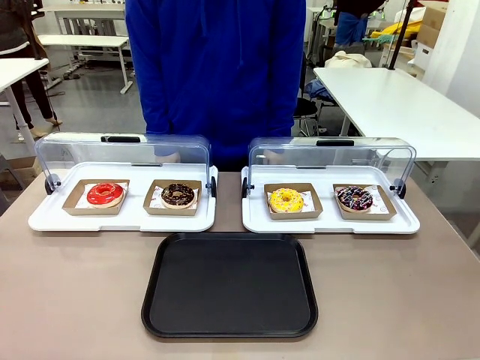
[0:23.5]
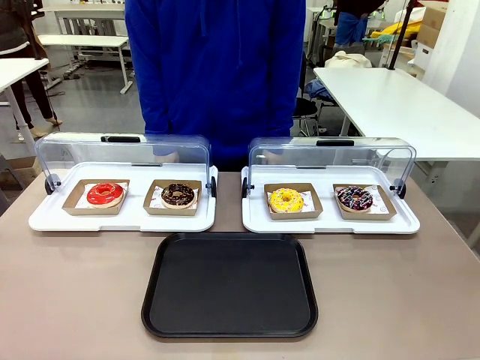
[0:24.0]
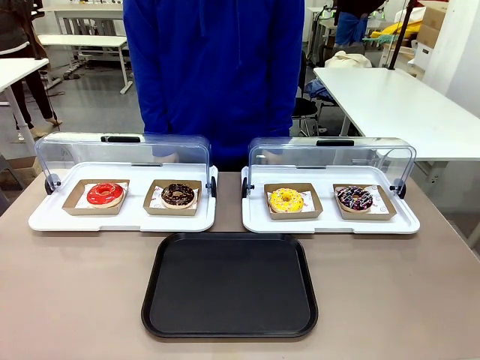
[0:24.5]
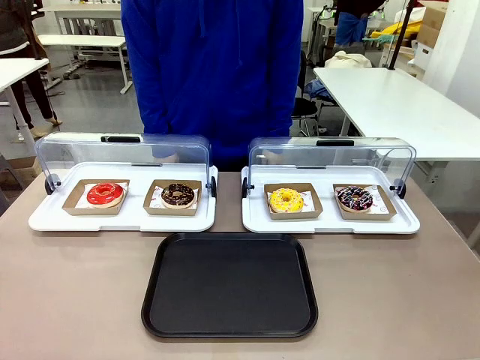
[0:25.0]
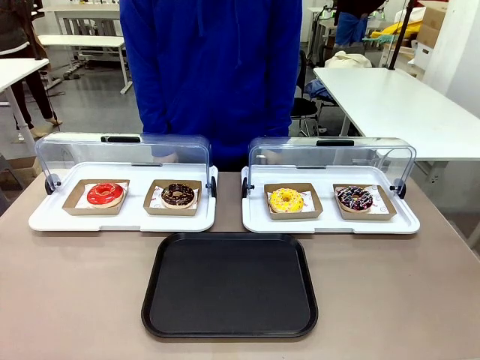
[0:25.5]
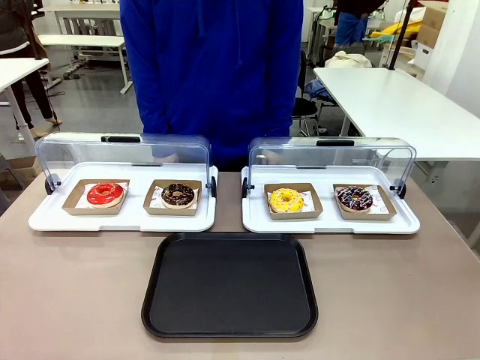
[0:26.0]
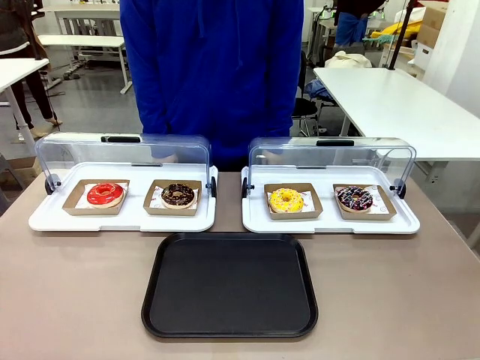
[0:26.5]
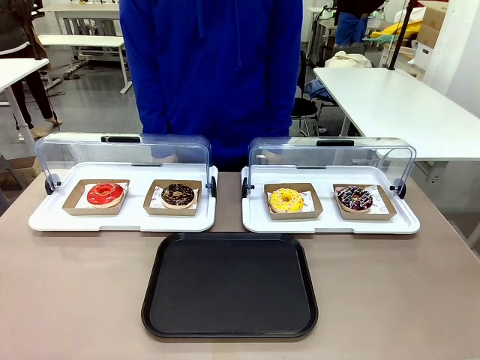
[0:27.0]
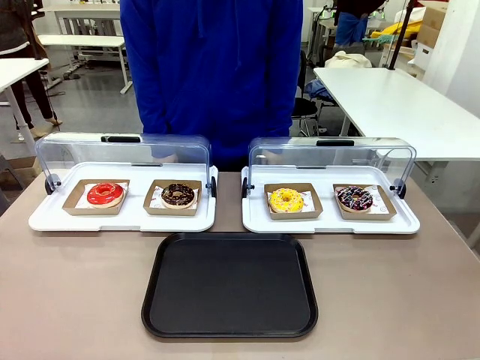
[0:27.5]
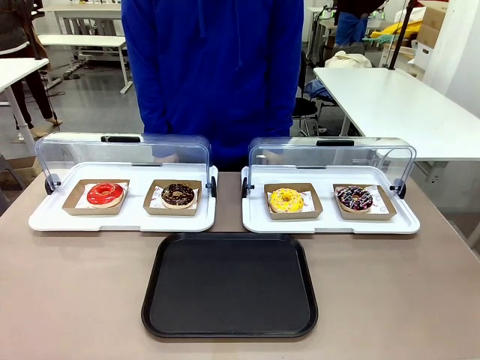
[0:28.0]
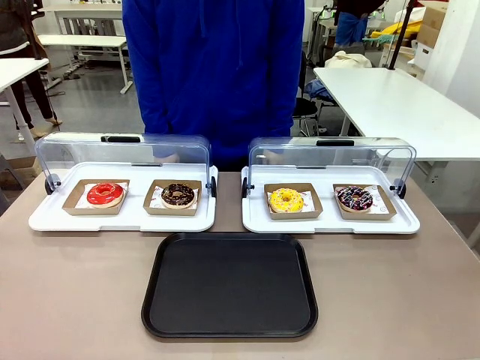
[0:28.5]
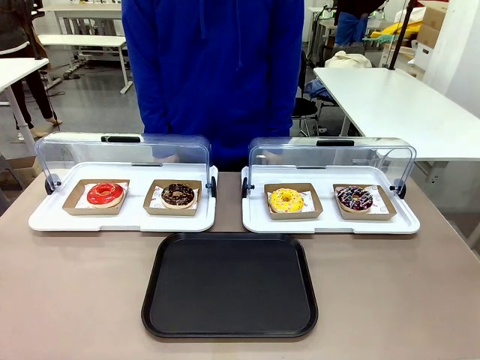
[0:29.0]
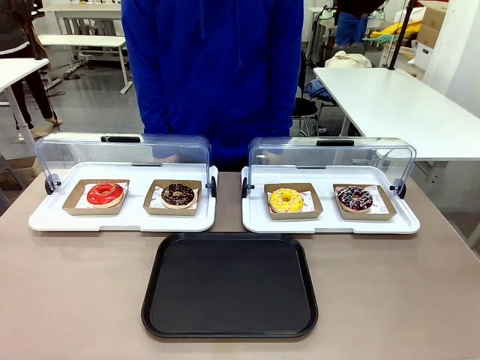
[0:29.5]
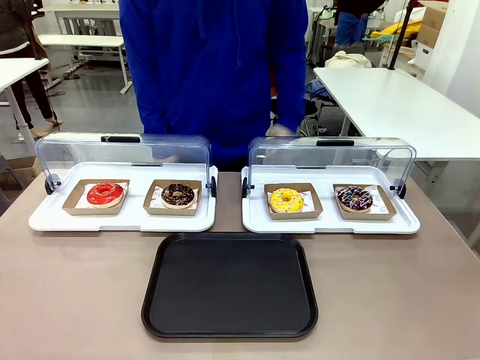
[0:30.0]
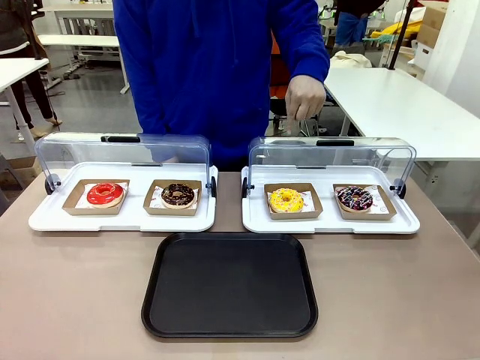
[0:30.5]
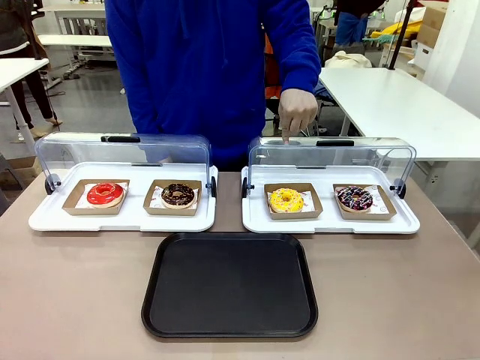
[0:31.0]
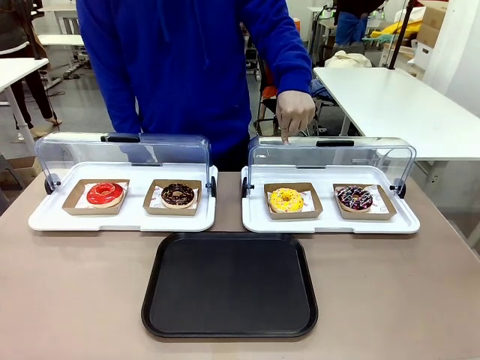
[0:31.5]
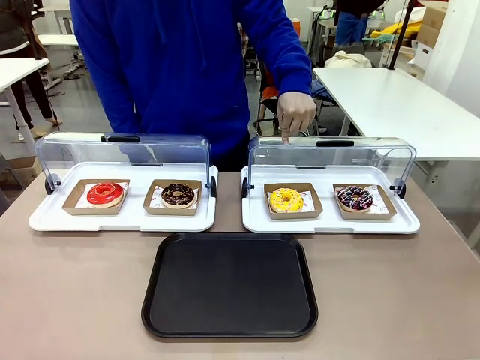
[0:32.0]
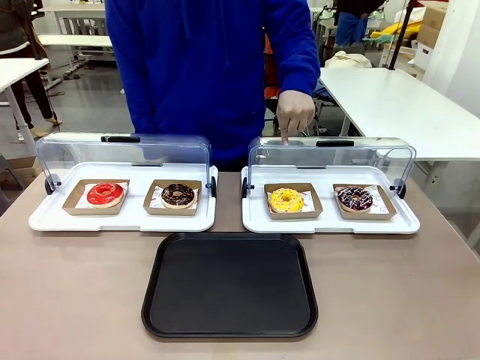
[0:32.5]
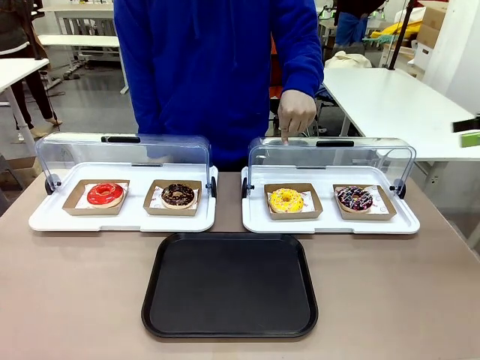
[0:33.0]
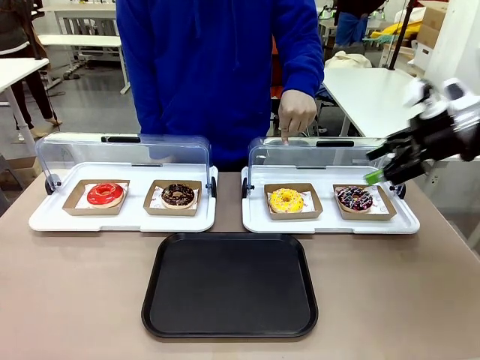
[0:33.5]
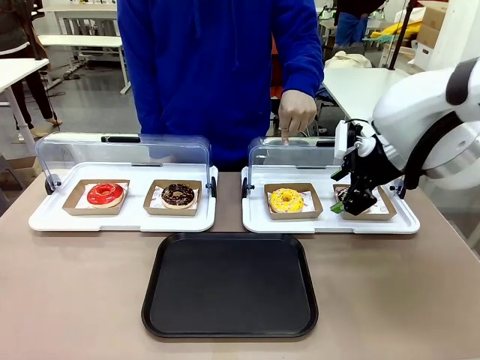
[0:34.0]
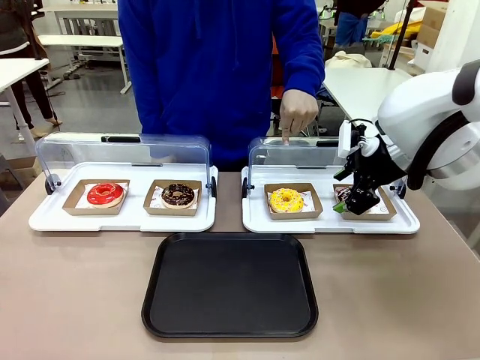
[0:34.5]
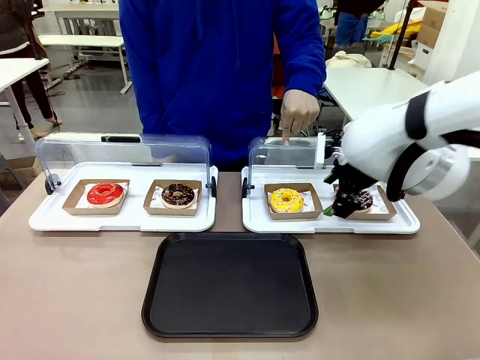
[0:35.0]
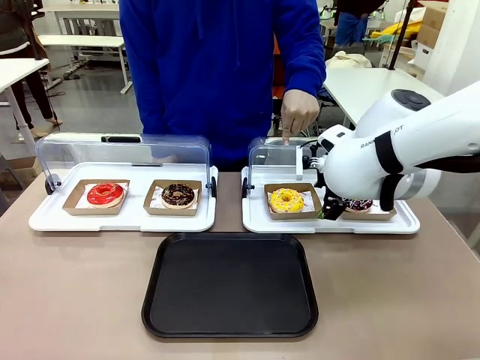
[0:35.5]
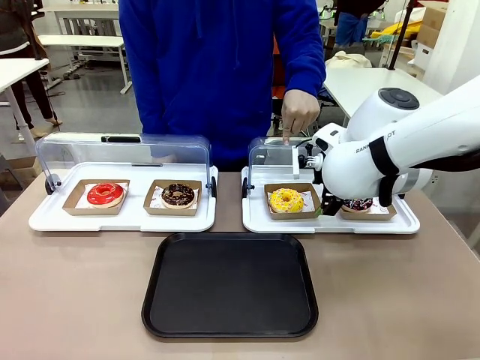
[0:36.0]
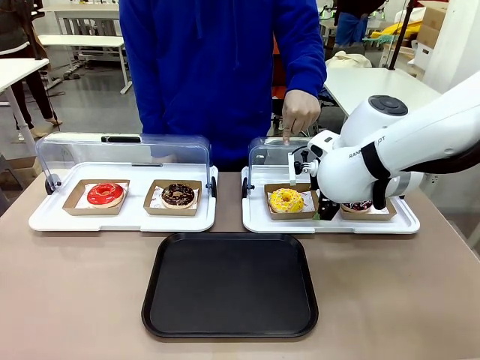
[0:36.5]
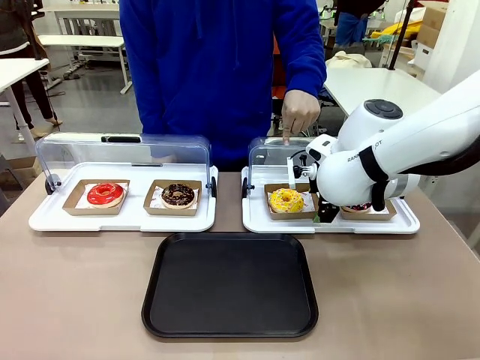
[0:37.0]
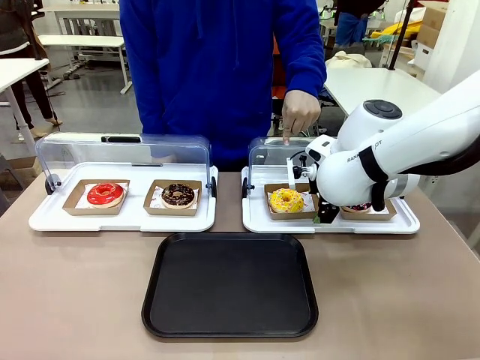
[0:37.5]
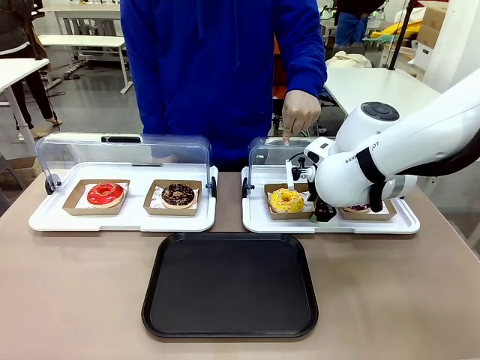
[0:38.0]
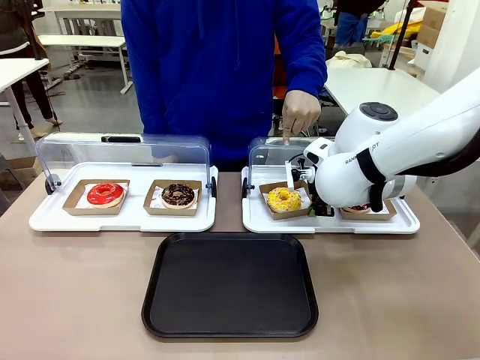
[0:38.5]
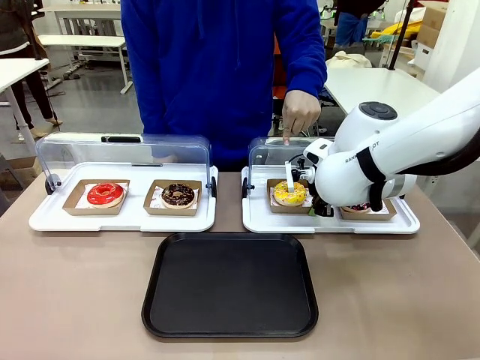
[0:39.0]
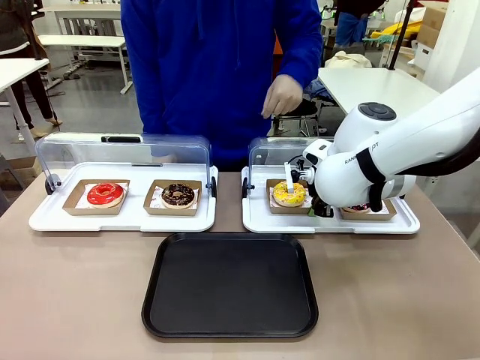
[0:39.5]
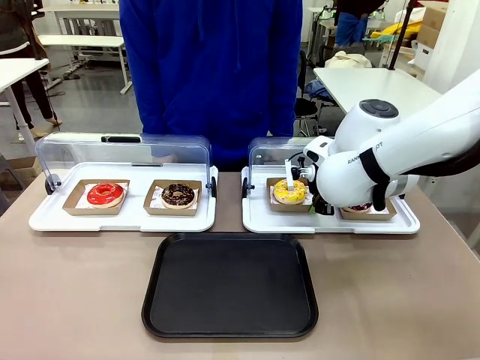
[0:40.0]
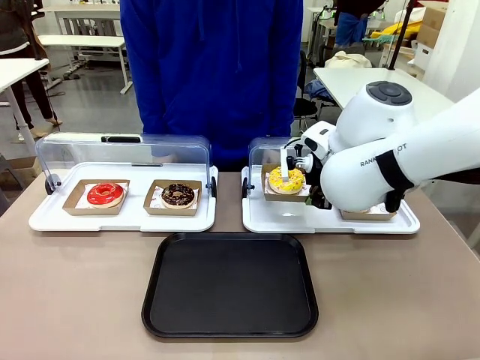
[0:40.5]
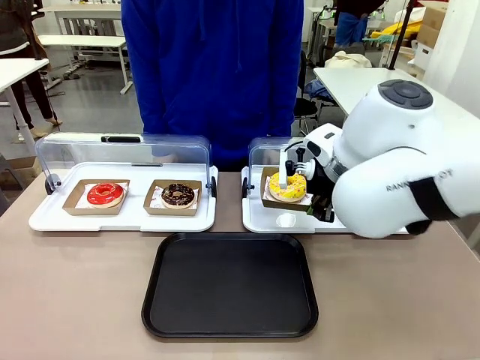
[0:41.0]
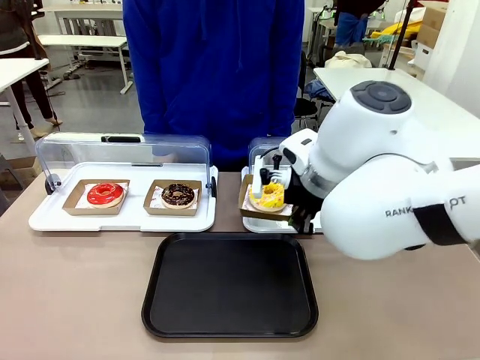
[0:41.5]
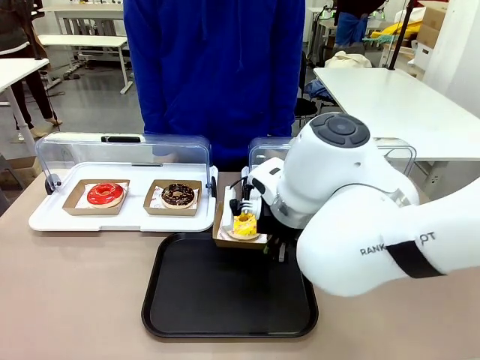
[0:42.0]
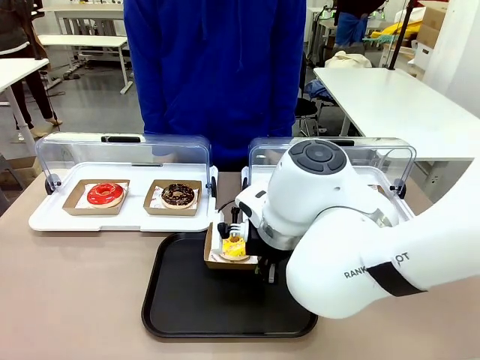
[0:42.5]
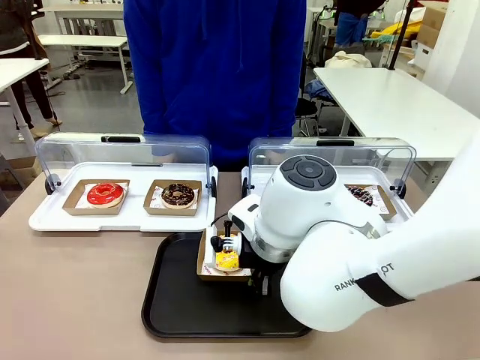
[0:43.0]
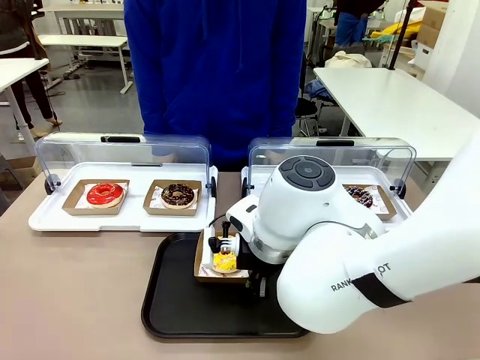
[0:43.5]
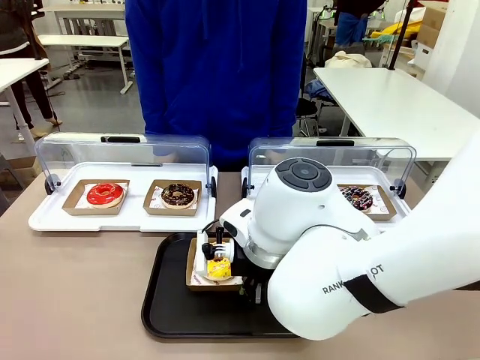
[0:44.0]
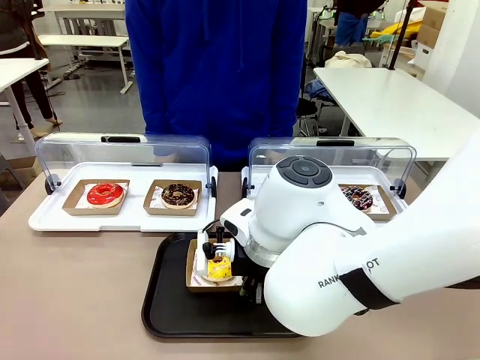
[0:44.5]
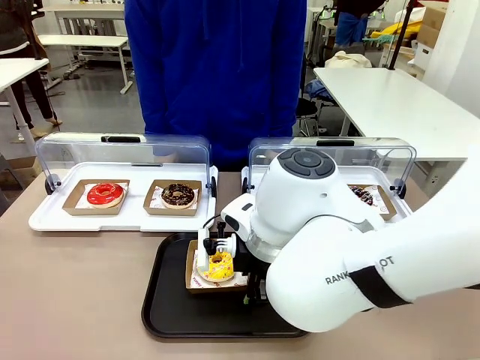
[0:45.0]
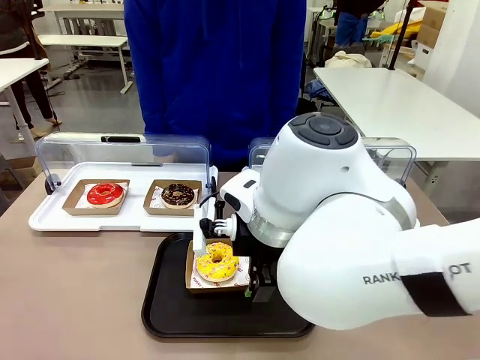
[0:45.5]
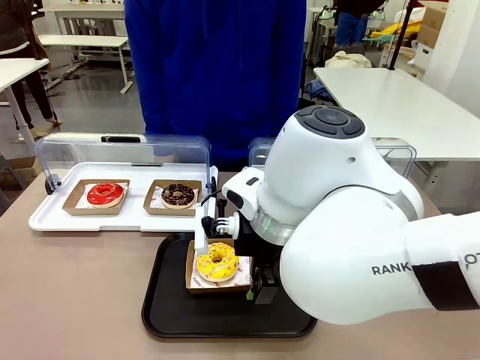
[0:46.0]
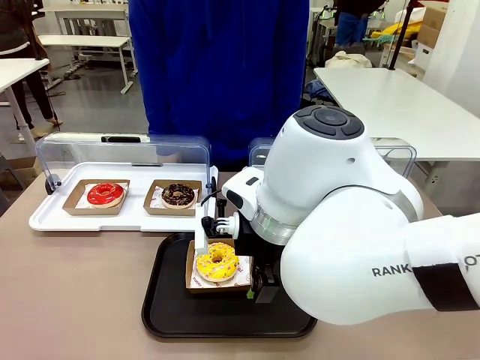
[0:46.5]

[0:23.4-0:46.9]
Task: Move the third donut from the left to the tray.
Robot: Pick up the Paper togo box containing the Donut indicated by the person and place it on the Handle tray.
Person: Points to the third donut from the left from the robot’s perspective.
